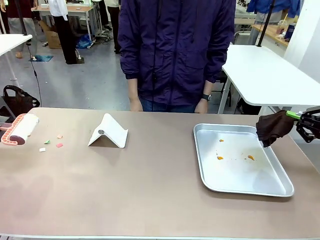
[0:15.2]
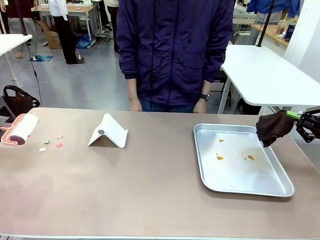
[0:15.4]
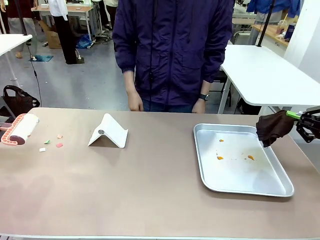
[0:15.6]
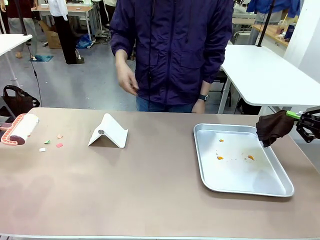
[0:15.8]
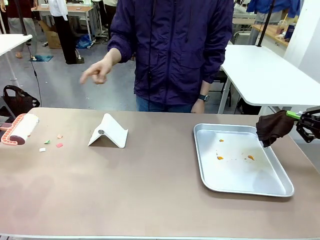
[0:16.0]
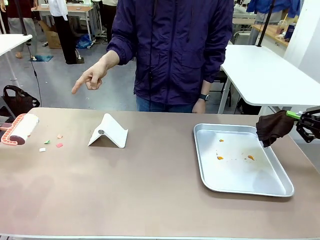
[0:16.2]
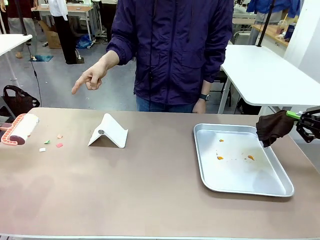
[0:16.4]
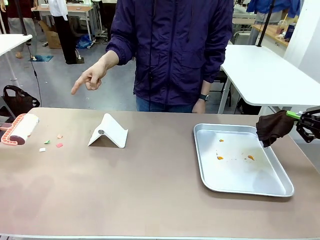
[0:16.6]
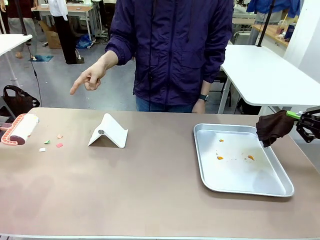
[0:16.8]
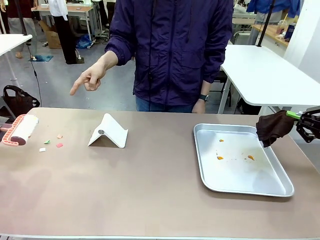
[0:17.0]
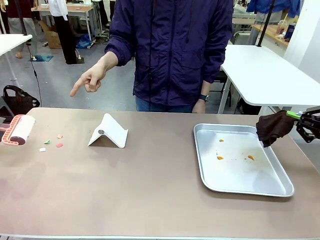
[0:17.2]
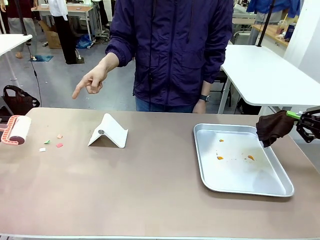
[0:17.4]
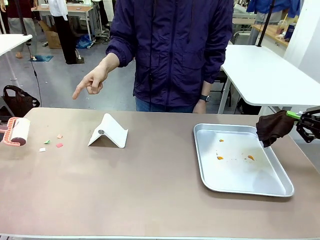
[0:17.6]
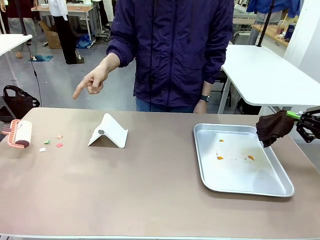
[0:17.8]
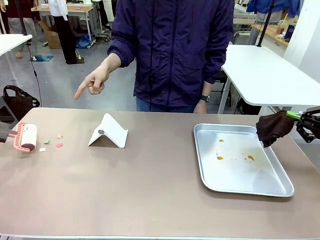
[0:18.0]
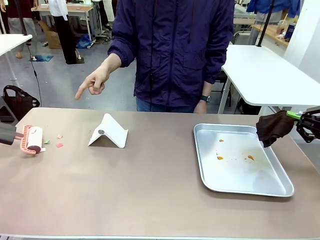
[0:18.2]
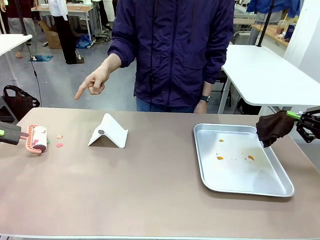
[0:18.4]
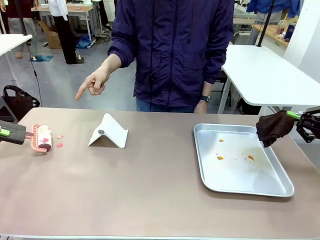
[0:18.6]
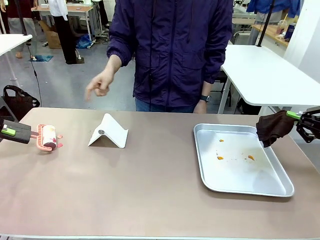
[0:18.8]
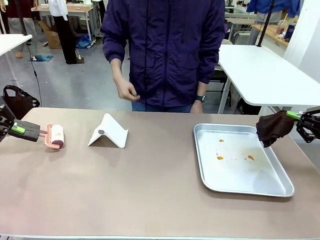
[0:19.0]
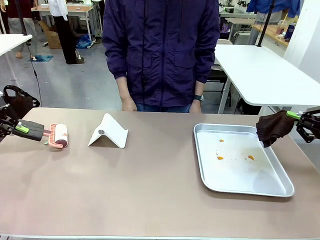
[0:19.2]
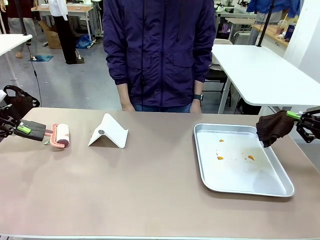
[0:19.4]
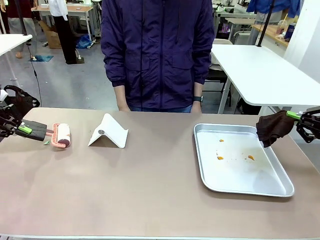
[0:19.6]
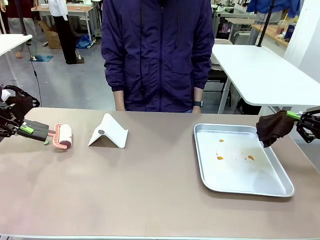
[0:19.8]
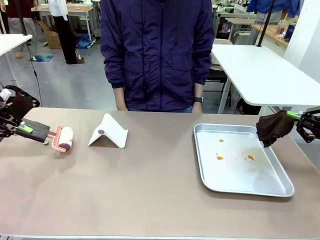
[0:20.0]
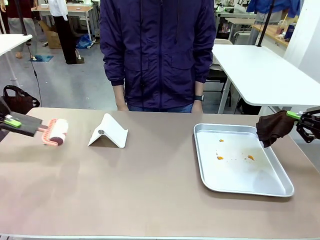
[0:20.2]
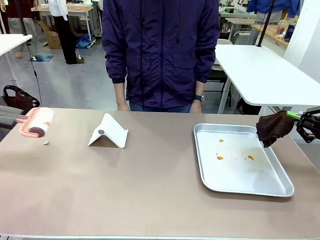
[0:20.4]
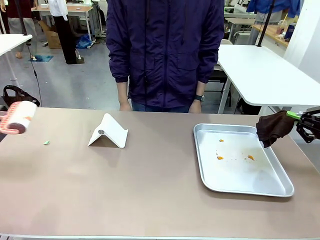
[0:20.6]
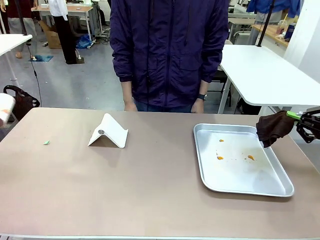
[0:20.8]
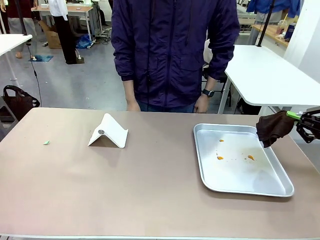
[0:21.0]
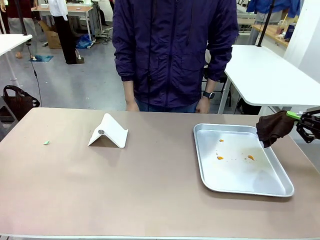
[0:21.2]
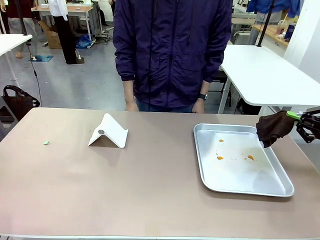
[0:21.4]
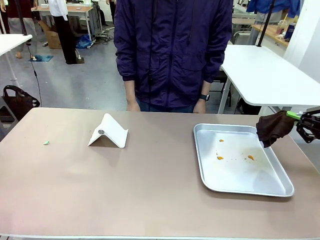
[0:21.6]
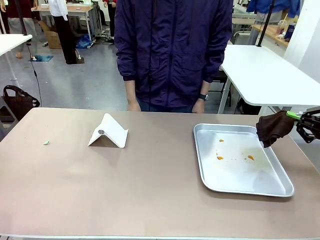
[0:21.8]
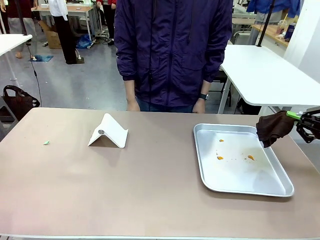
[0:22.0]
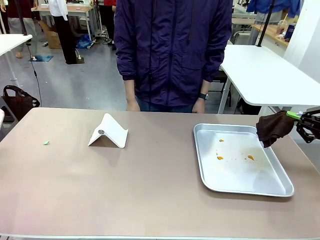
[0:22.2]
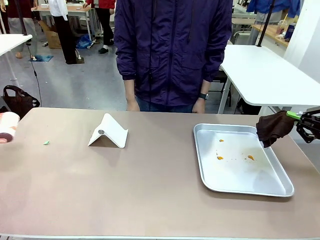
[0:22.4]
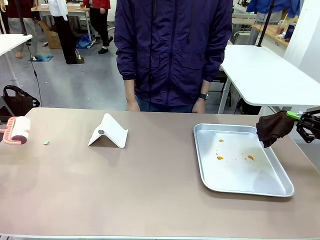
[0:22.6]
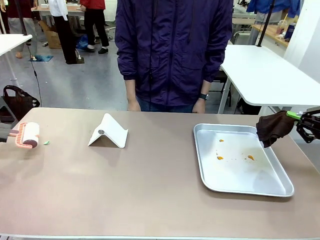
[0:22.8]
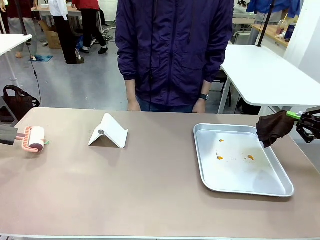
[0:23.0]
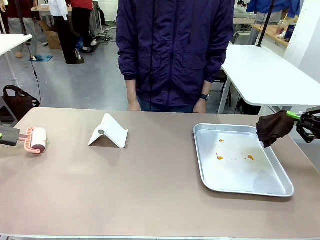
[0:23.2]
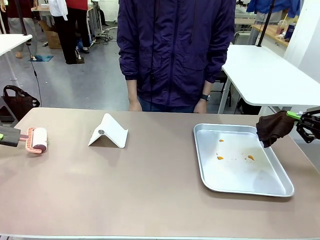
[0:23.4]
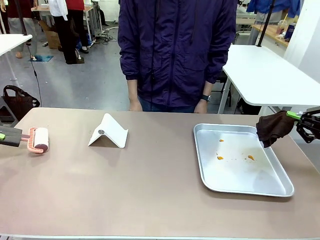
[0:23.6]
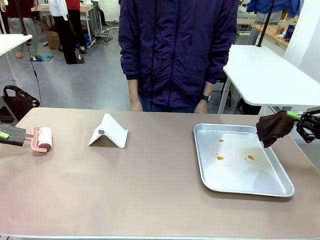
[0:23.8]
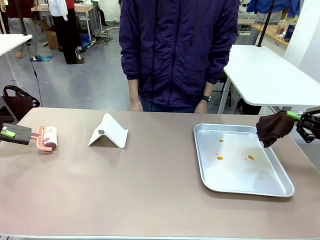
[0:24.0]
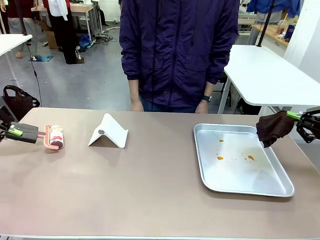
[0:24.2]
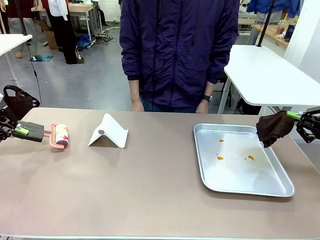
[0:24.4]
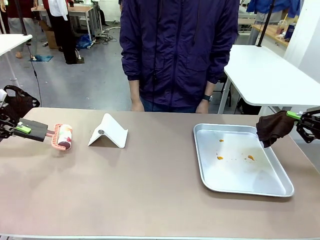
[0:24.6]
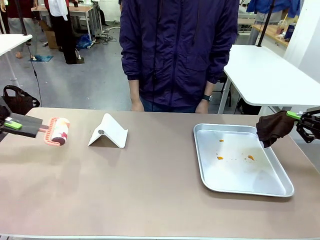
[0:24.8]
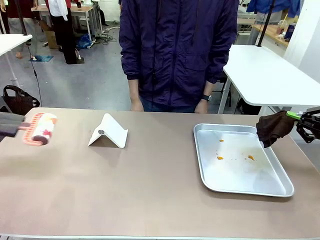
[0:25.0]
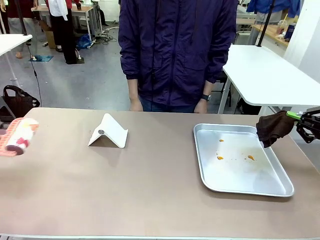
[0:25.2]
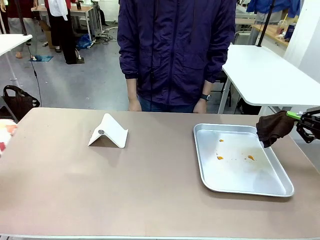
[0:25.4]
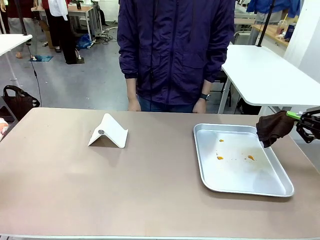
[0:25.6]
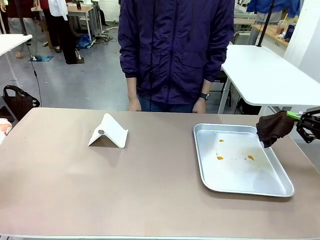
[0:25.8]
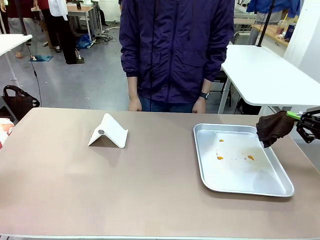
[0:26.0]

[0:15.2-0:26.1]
Task: Clean the surface of the table.
Robot: If a person points to the right, clean the right side of the table with your right hand, and if they point to the left, clean the left side with your left hand.

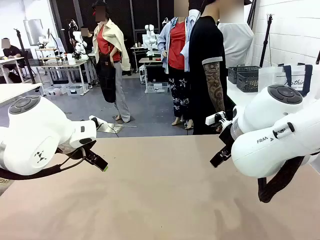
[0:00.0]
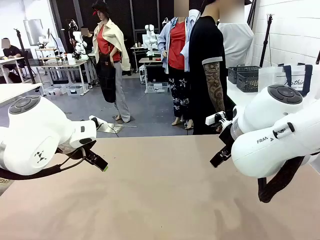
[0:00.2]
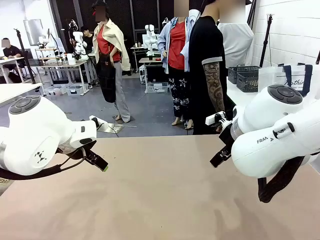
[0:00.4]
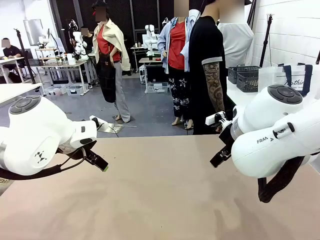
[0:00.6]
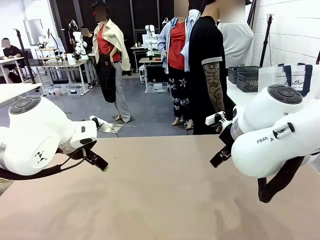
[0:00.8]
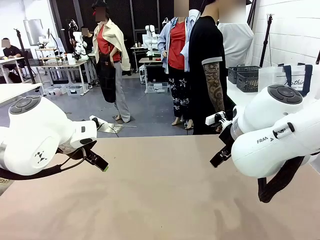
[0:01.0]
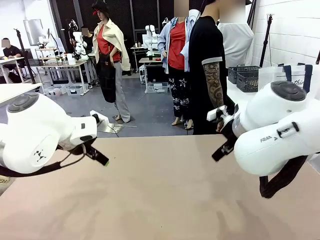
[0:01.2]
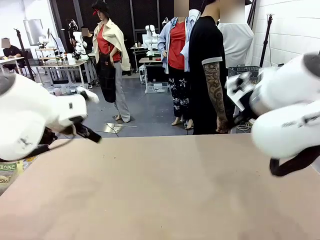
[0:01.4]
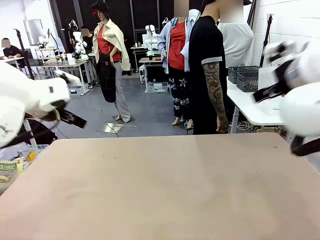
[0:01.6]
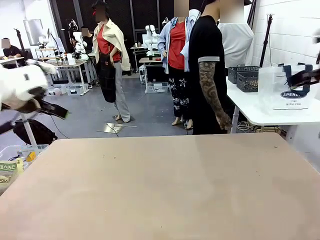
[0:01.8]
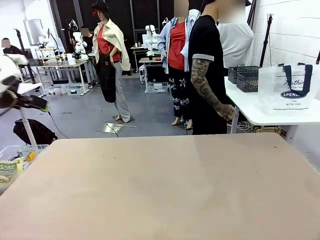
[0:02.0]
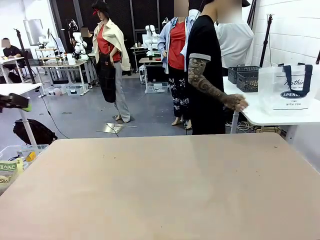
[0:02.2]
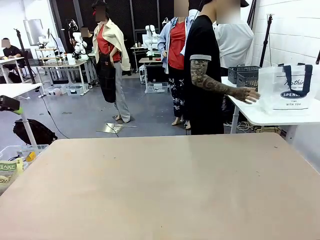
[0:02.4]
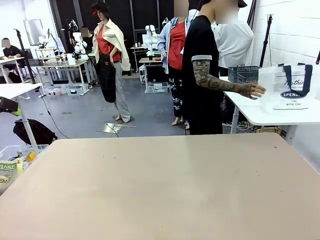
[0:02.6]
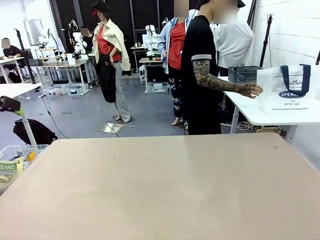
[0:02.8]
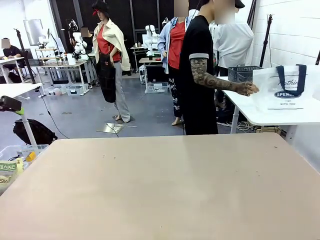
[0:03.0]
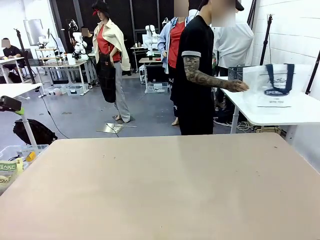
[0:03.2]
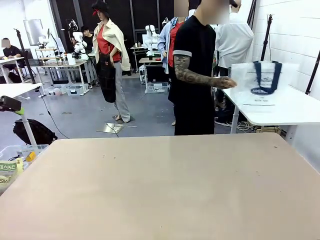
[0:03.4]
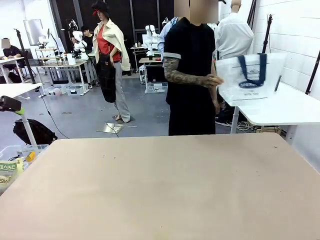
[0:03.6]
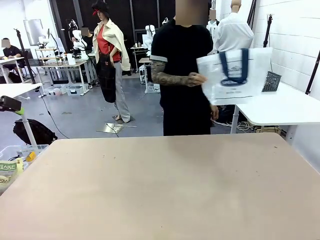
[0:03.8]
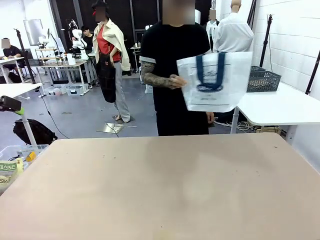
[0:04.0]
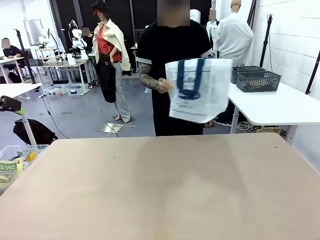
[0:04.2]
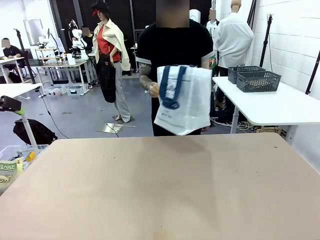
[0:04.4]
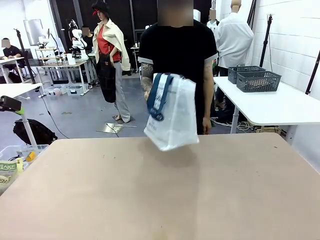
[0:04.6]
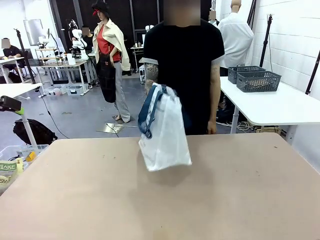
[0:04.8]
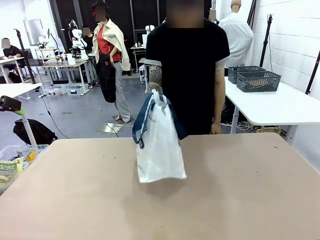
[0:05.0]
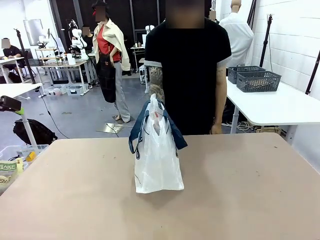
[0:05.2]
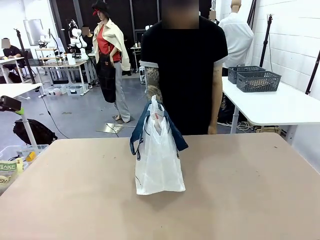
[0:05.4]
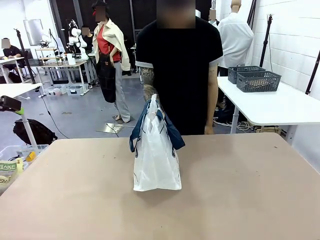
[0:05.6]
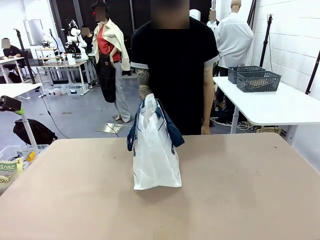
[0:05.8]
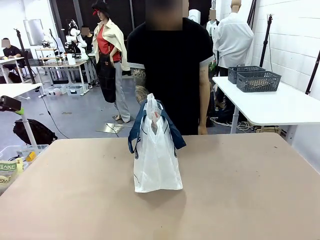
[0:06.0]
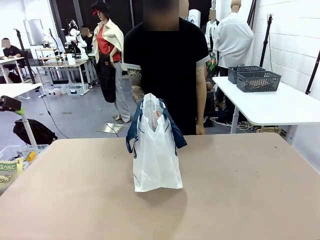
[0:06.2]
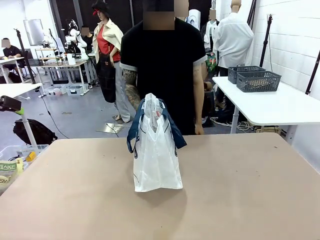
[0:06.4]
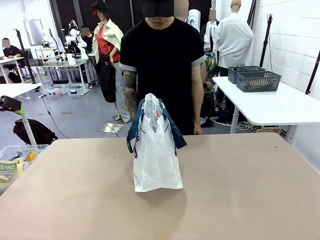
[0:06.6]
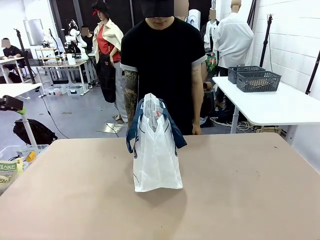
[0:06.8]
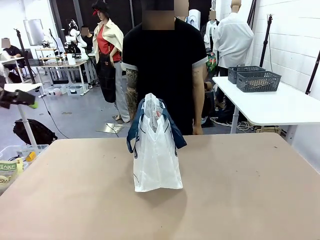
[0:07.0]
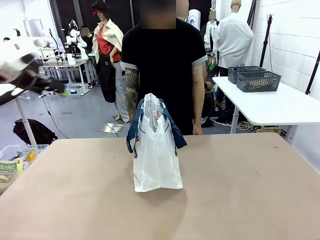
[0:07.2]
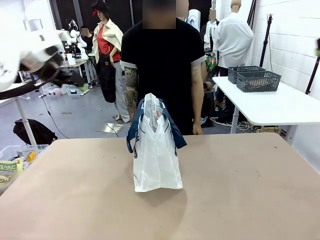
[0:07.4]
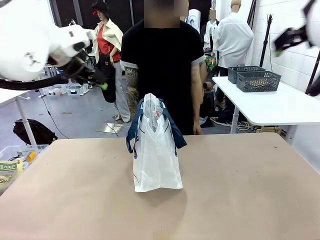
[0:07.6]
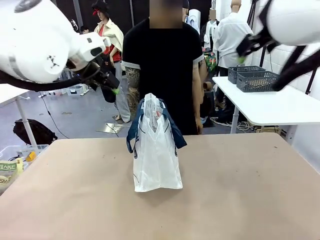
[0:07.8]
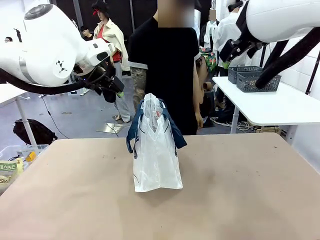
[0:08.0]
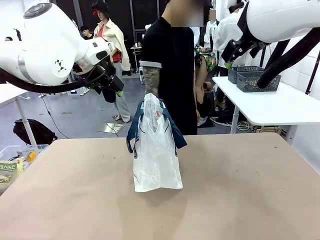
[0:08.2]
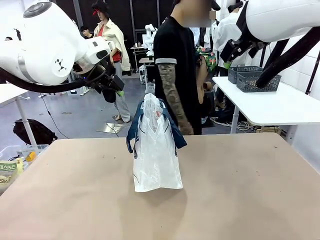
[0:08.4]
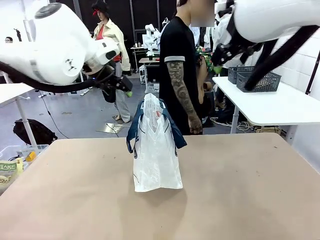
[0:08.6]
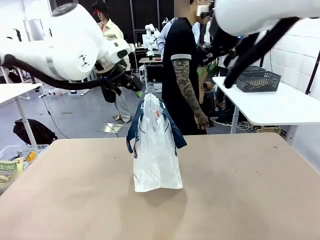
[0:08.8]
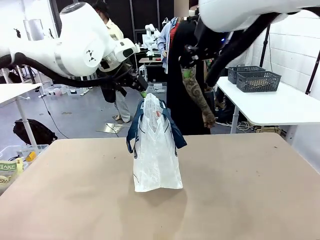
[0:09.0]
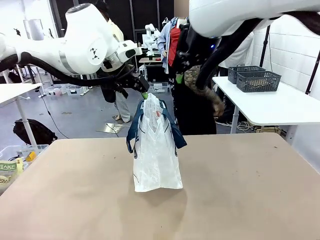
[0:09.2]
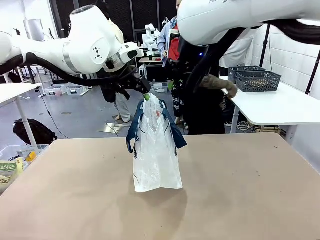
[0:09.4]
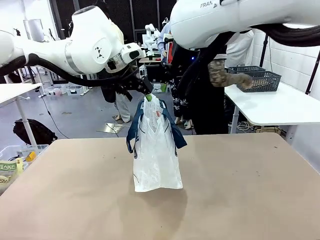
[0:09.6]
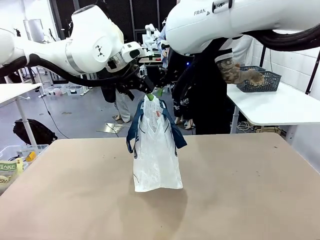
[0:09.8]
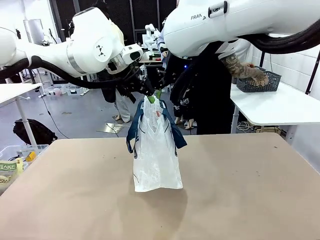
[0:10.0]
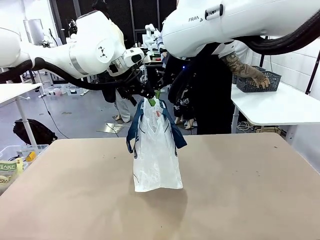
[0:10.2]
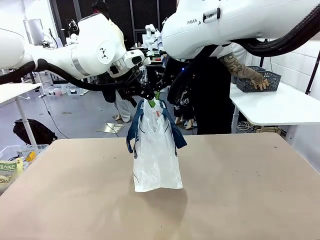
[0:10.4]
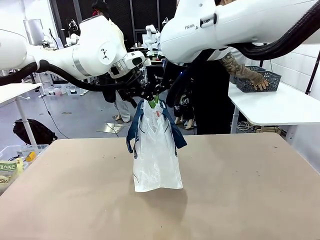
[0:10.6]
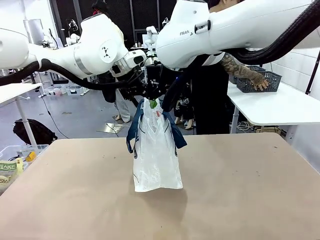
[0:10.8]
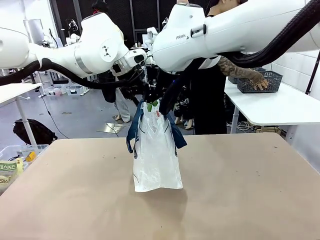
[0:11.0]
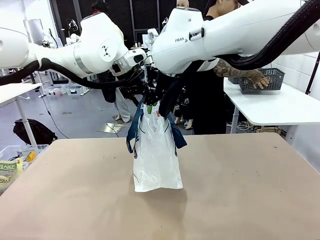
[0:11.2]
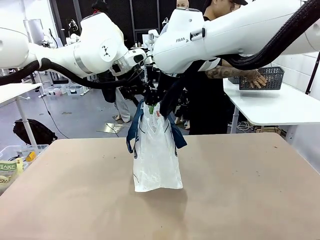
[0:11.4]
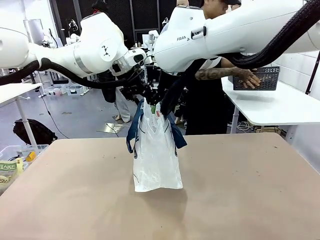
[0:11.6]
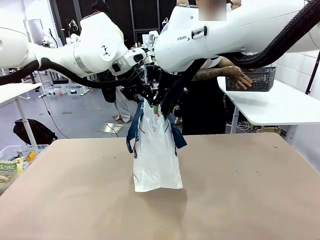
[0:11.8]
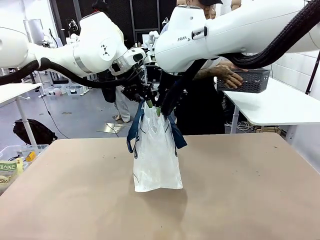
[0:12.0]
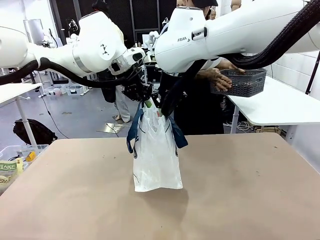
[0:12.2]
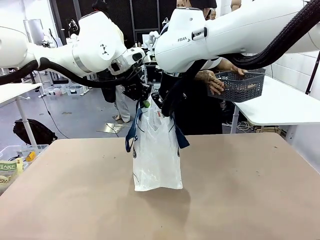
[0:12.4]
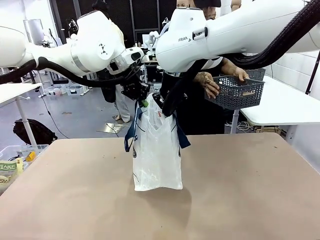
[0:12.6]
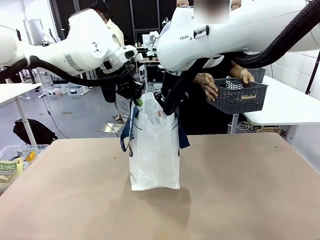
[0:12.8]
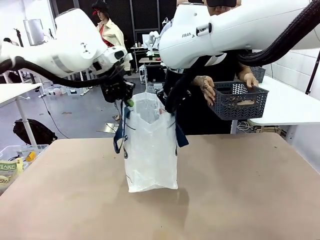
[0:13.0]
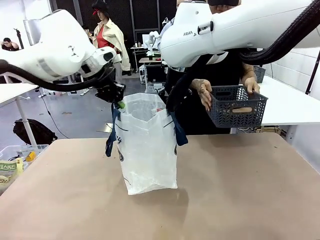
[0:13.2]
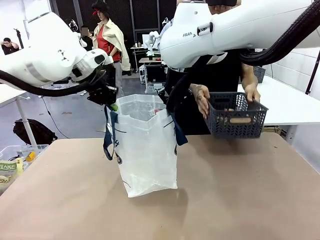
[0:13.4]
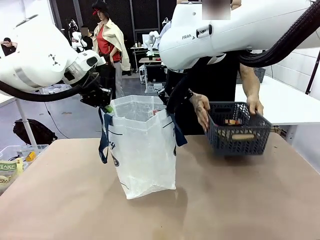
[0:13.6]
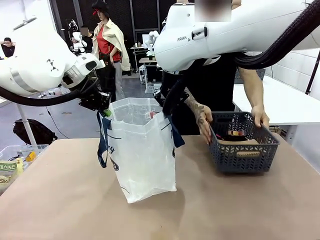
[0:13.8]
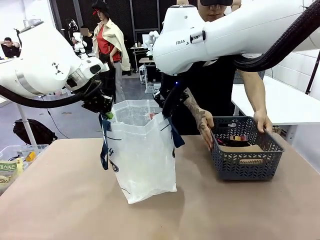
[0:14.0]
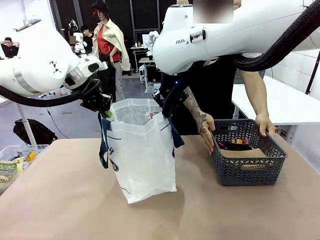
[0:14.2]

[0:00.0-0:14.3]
Task: Transfer purchased items from the store into the shopping bag.
Robot: Open the Reusable shopping bag in the center of the table.
Person: Pick up the shopping bag and place it in the middle of the robot table. Pick up the basket on the right, place it on the left side of the robot table, and move the items in the basket to the shopping bag.
